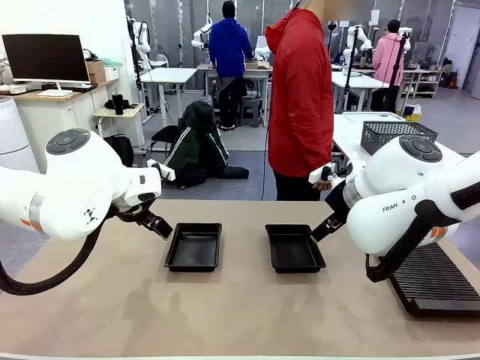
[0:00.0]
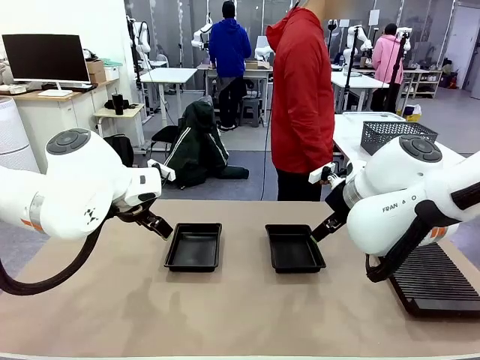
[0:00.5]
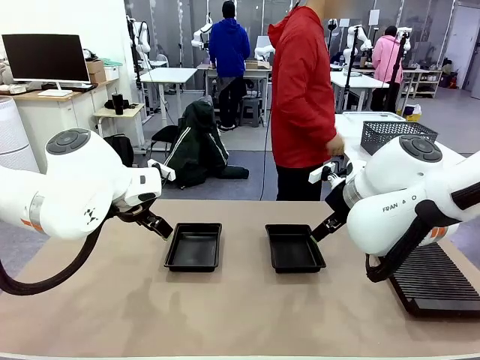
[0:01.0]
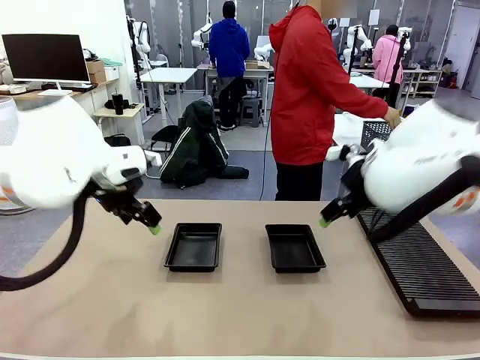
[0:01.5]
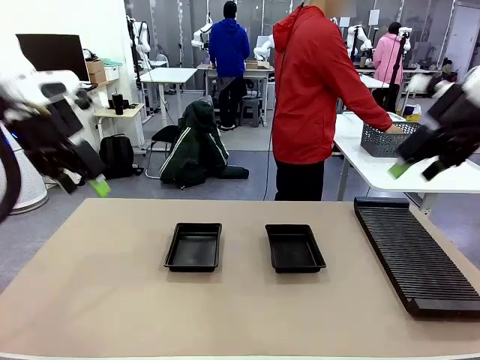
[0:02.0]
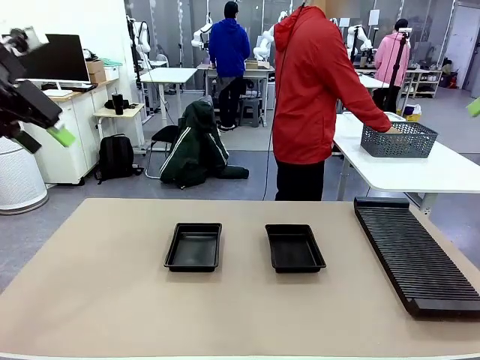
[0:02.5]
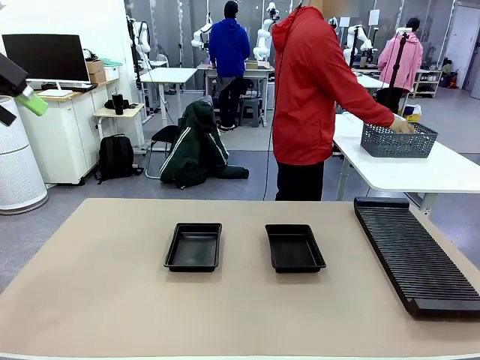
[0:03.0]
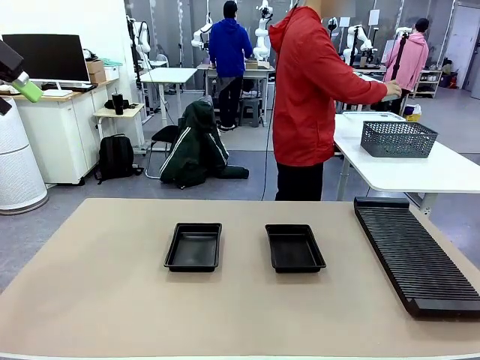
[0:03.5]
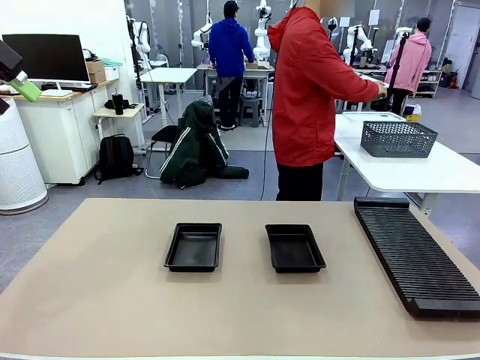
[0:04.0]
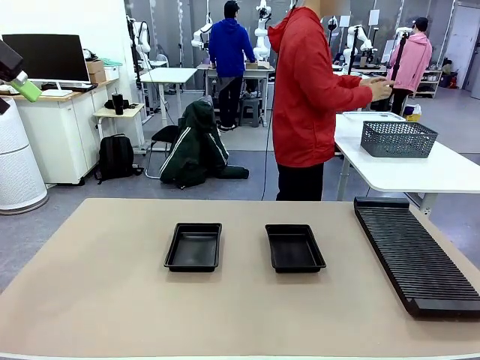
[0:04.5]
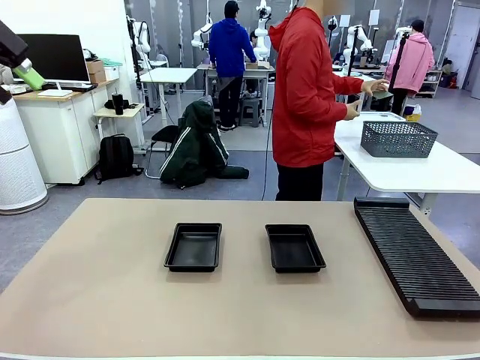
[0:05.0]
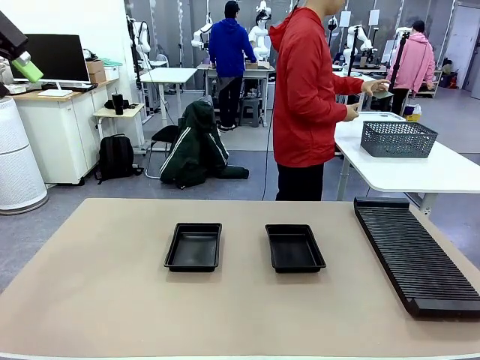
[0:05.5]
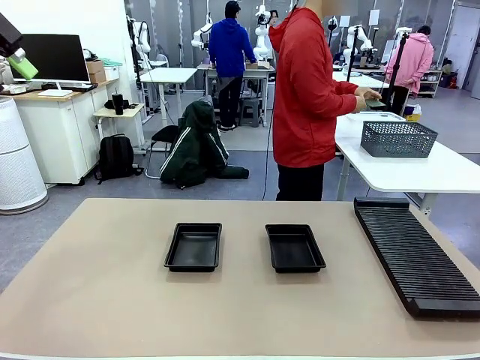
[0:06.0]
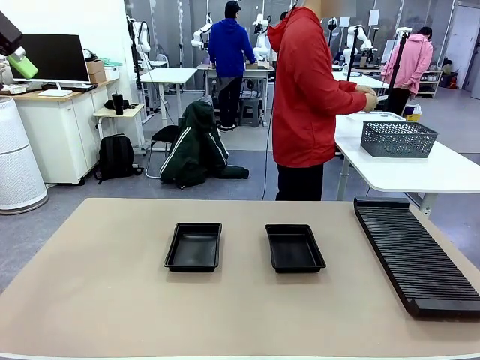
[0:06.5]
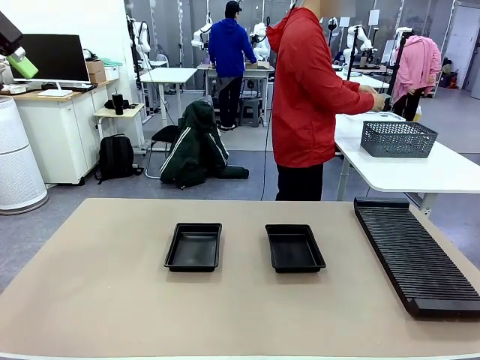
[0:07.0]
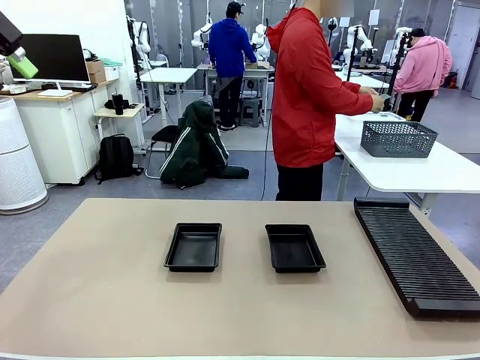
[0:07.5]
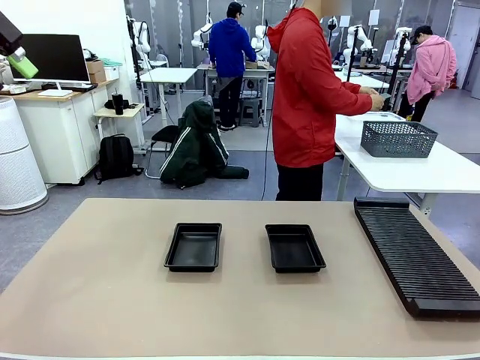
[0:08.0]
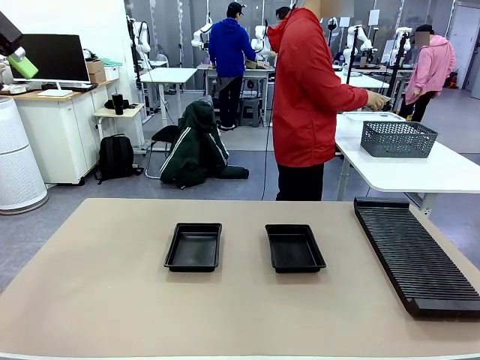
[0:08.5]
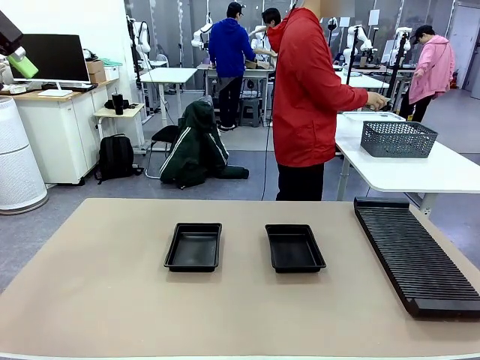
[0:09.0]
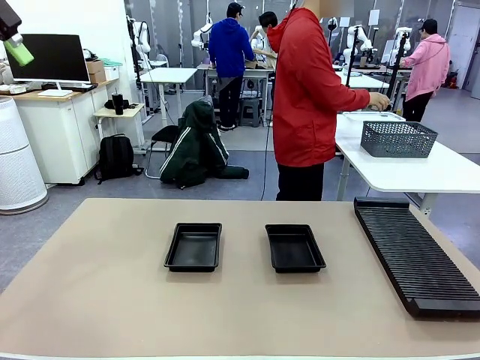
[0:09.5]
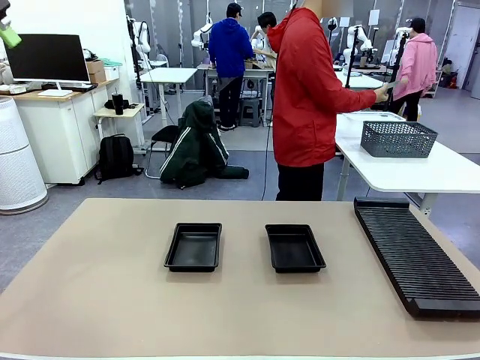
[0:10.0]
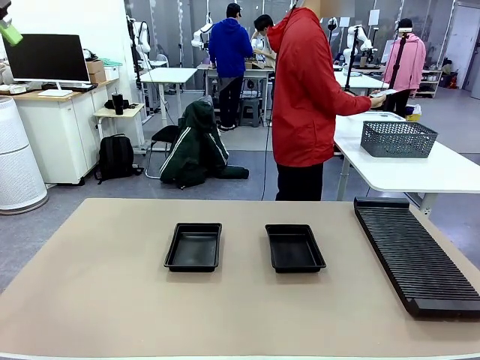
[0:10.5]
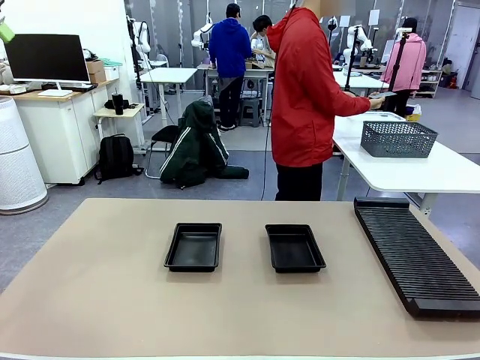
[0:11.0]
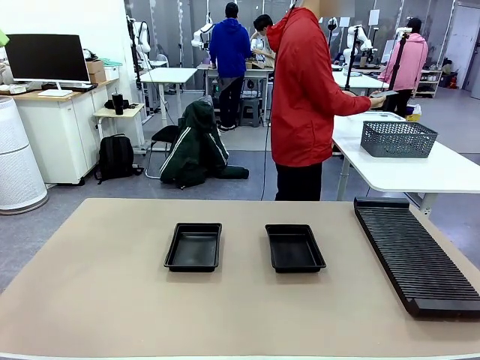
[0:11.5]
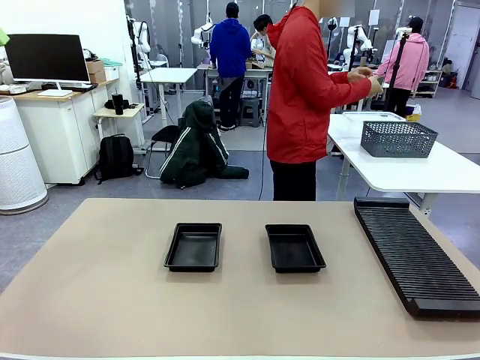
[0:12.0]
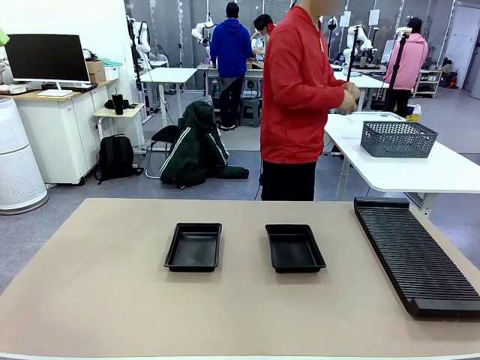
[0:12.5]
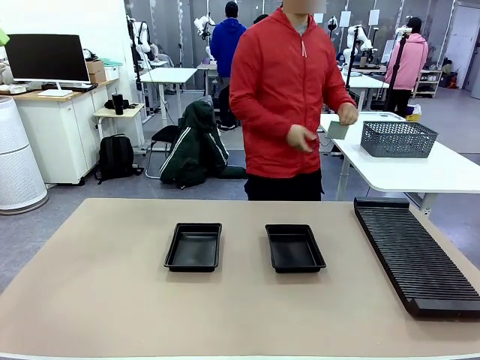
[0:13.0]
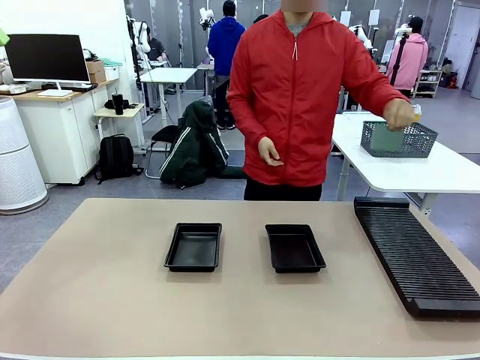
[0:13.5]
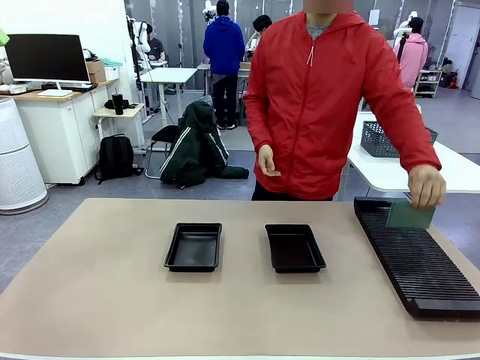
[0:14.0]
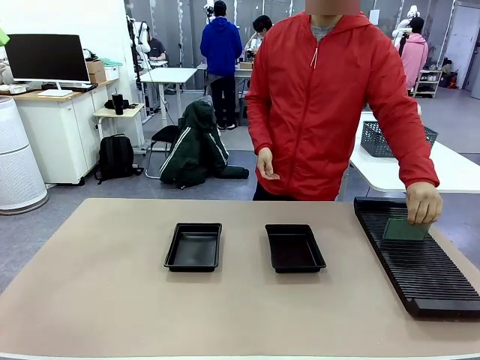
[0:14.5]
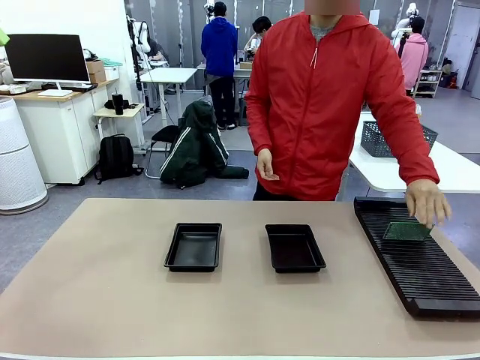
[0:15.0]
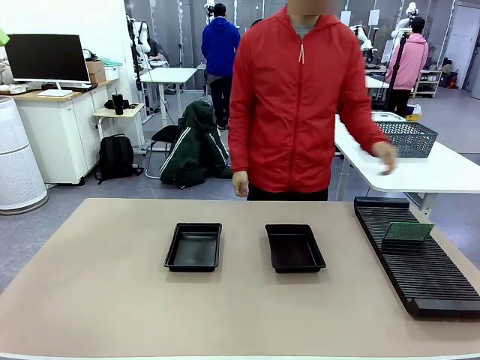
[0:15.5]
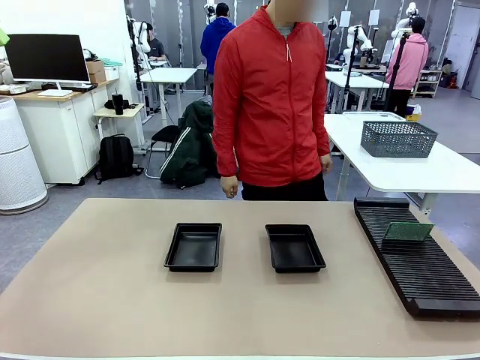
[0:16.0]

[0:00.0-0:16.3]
Task: Inspect and transfer BCBs to ESD trays.
Robot: Pick up the Blank PCB from the PCB Rack and place it in the left ESD tray.

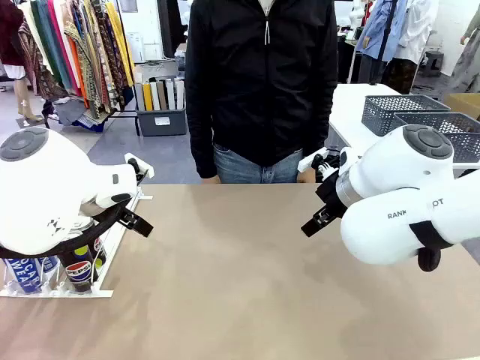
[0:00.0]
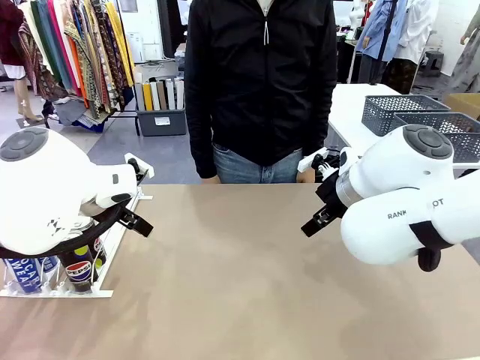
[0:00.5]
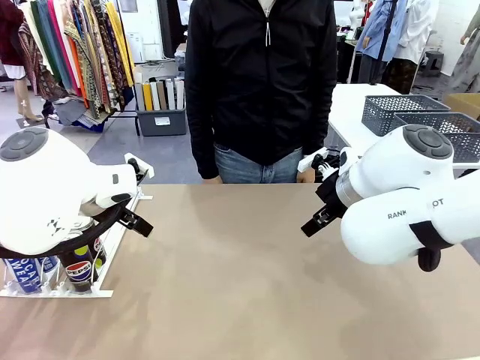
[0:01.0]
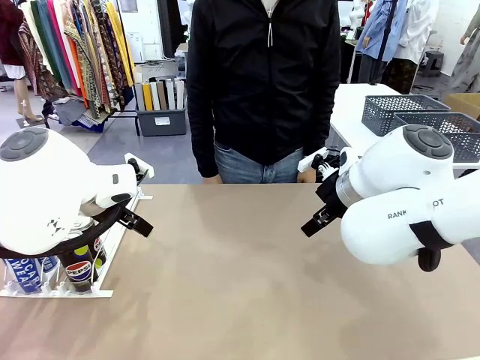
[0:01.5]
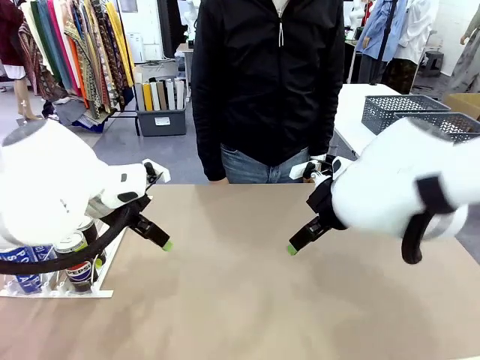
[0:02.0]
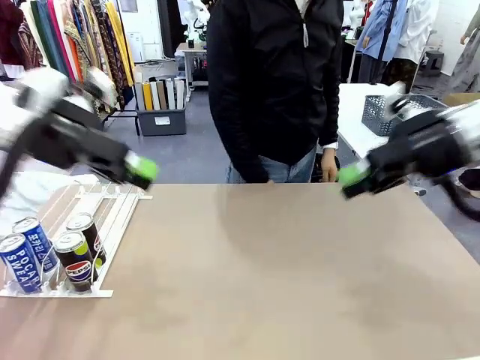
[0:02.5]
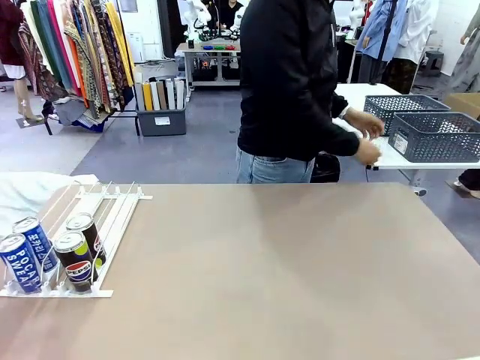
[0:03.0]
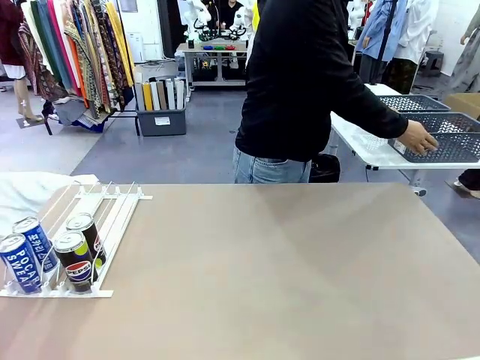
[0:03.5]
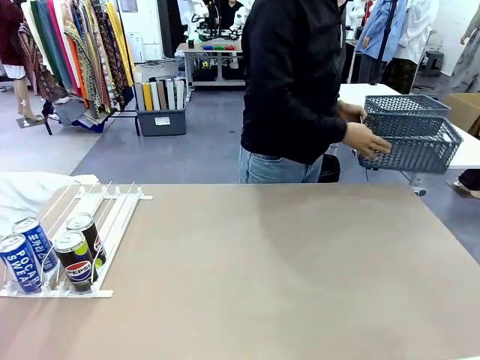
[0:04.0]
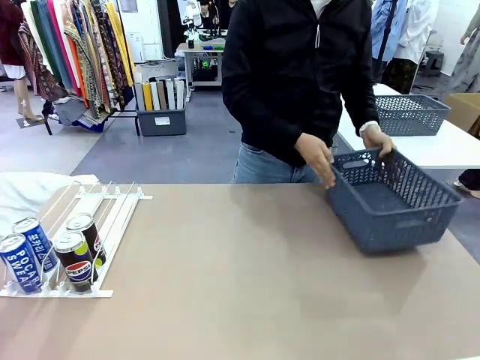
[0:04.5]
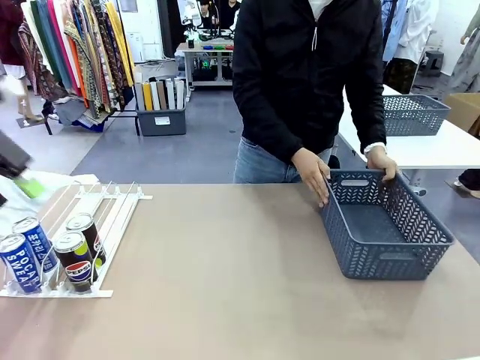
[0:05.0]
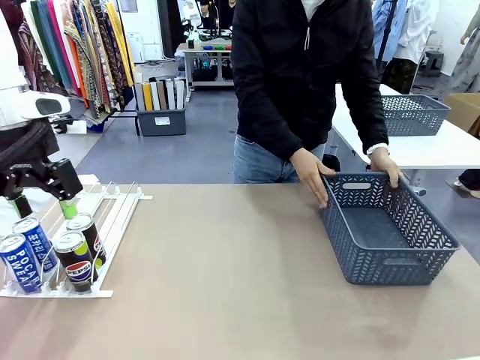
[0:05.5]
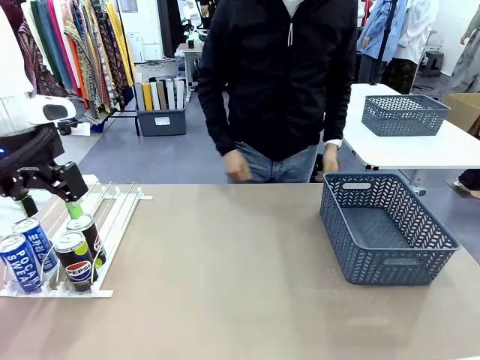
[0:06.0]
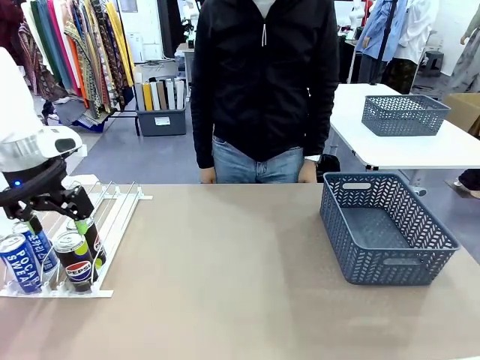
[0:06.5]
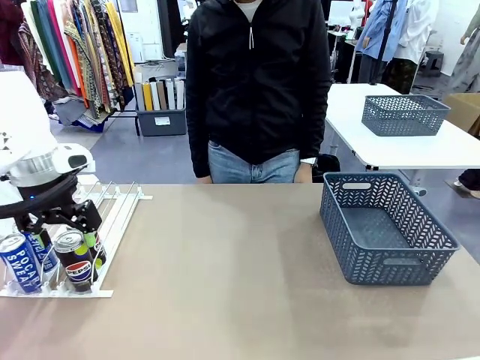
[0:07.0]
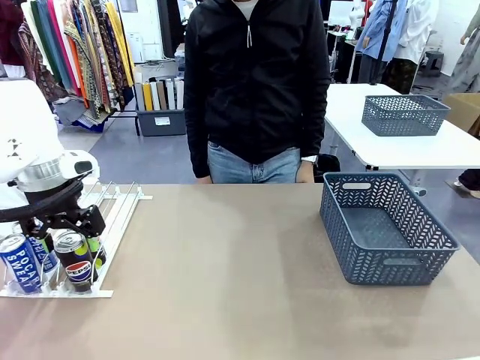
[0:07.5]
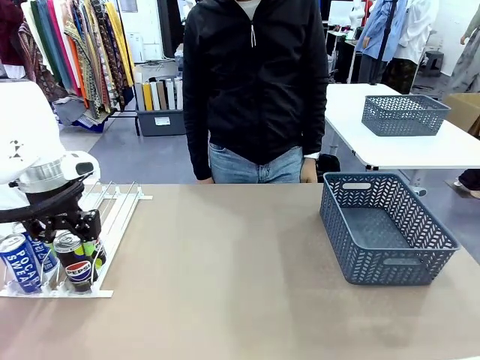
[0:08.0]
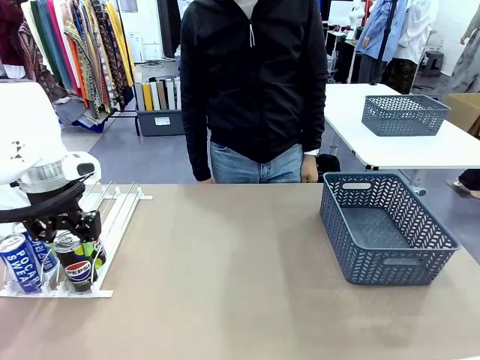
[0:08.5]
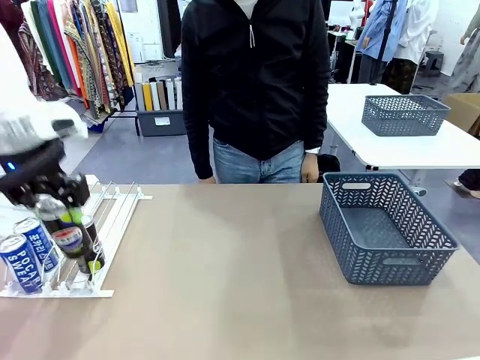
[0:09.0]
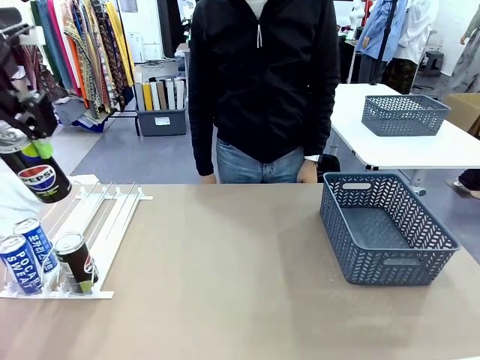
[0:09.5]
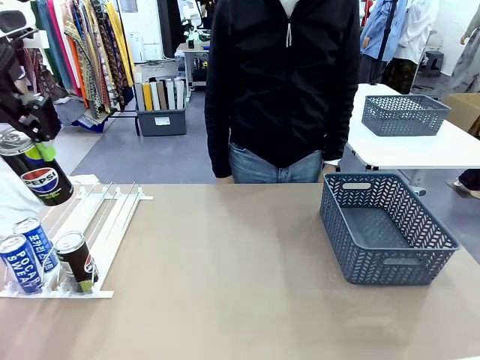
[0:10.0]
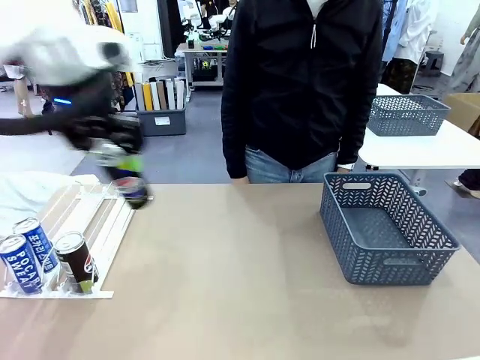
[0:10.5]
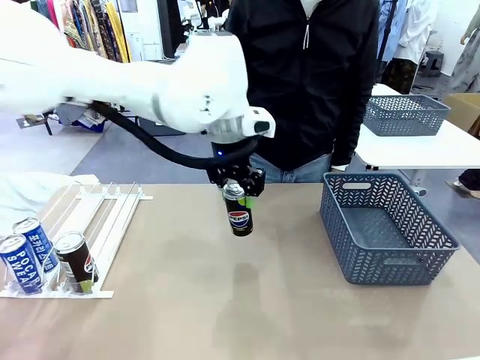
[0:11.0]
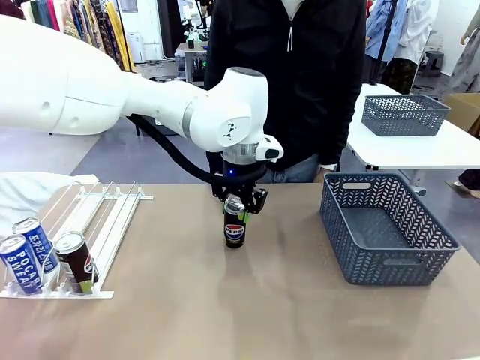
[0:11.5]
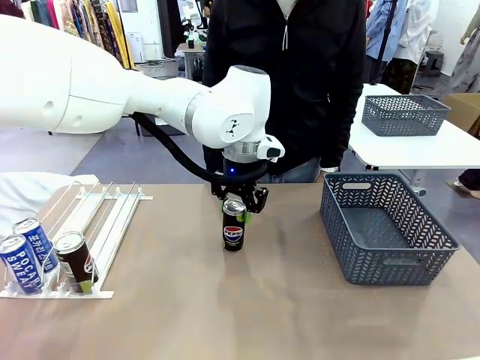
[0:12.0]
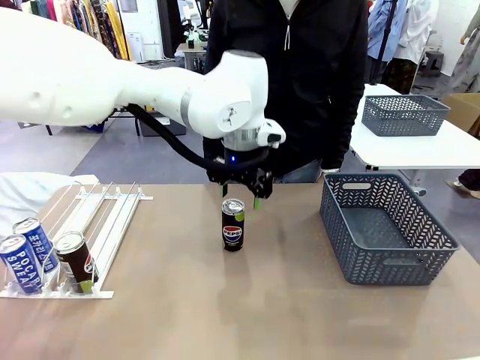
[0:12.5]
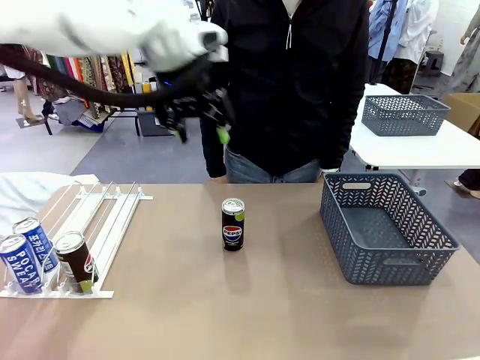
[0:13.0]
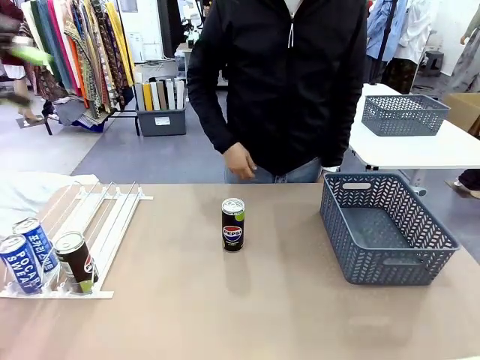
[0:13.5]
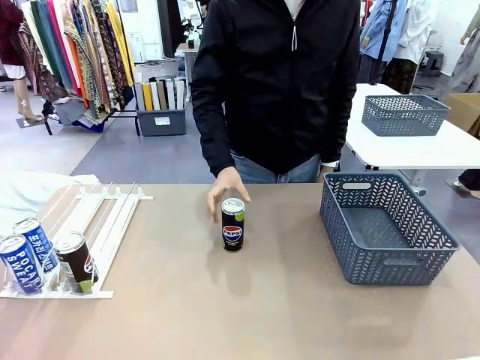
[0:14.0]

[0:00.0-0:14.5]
Task: Retrieve and store the cans from the dispenser.
Robot: Pick up one can from the Automatic Can Dispenser and place it in the middle of the table.
Person: Pick up the basket and place it on the left side of the robot table.
